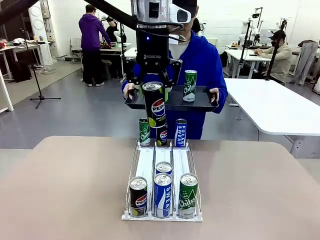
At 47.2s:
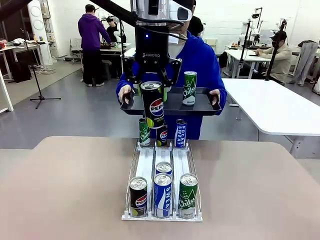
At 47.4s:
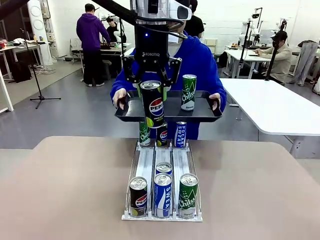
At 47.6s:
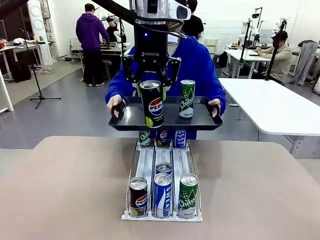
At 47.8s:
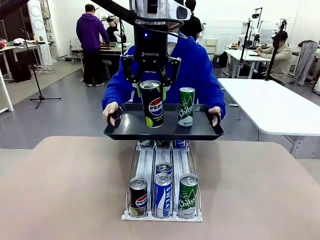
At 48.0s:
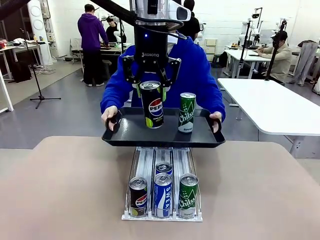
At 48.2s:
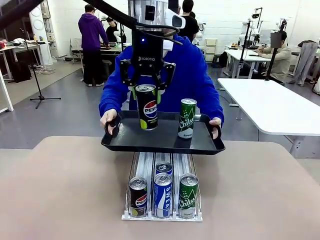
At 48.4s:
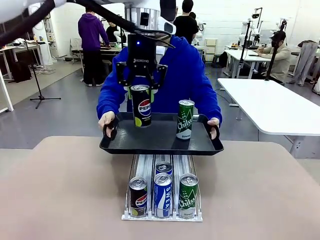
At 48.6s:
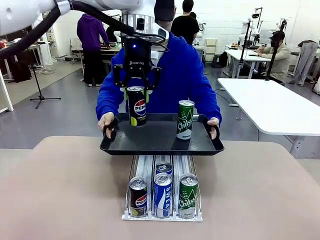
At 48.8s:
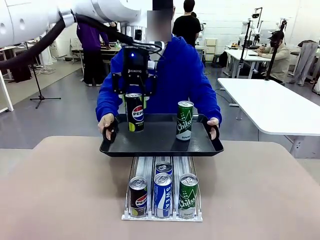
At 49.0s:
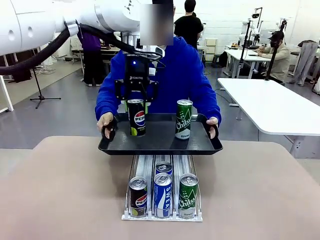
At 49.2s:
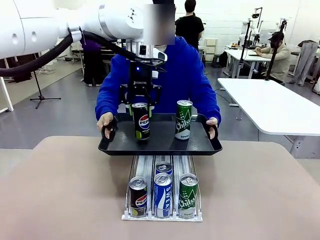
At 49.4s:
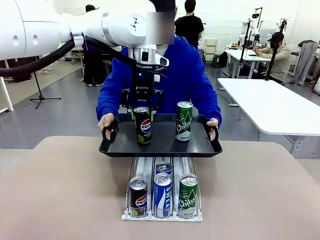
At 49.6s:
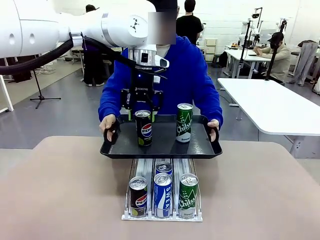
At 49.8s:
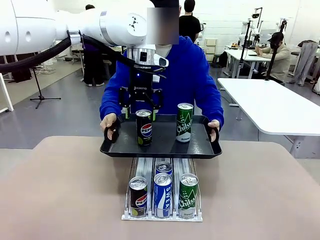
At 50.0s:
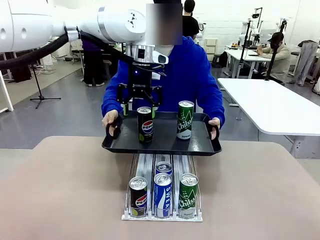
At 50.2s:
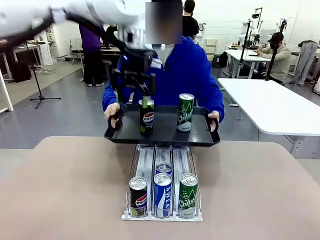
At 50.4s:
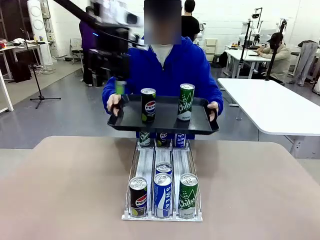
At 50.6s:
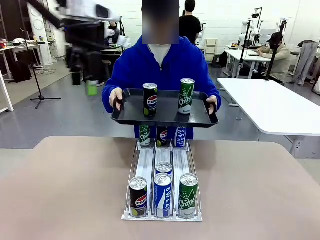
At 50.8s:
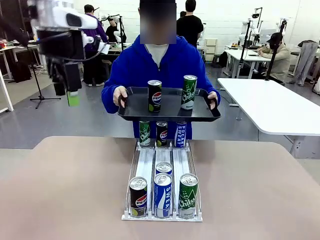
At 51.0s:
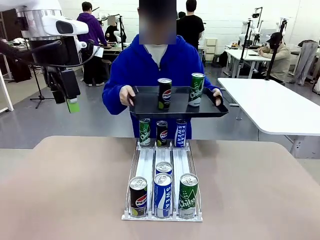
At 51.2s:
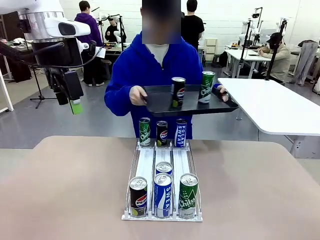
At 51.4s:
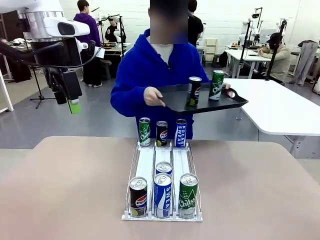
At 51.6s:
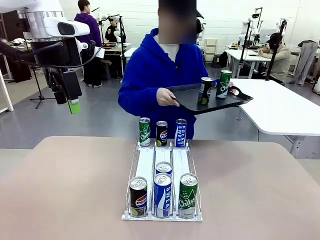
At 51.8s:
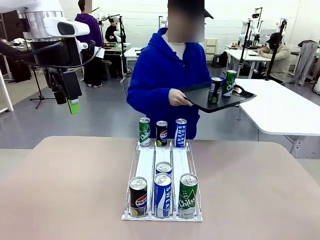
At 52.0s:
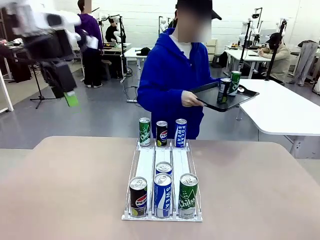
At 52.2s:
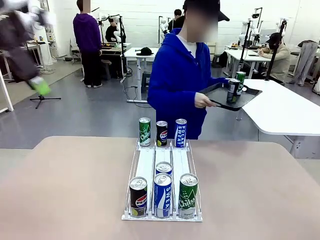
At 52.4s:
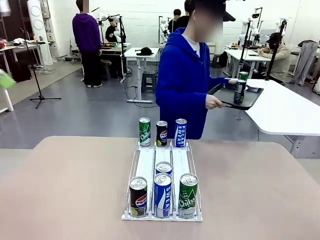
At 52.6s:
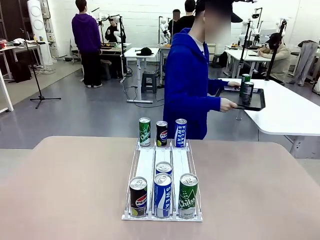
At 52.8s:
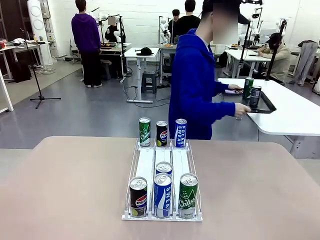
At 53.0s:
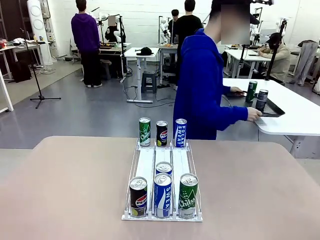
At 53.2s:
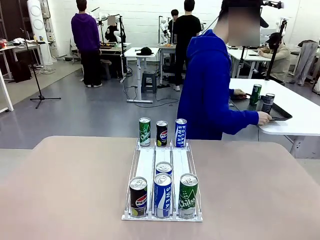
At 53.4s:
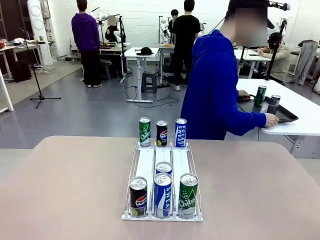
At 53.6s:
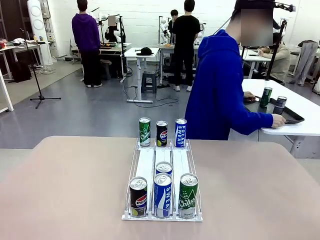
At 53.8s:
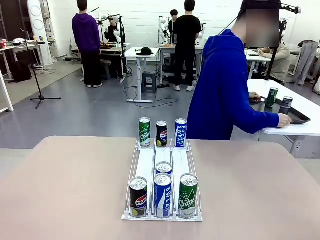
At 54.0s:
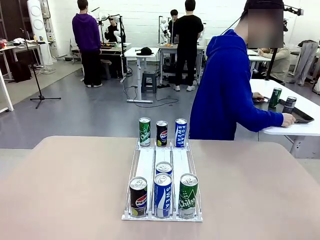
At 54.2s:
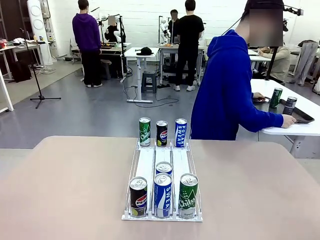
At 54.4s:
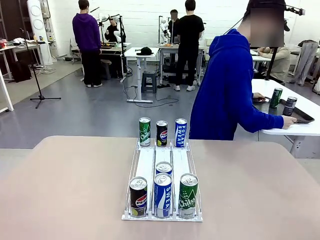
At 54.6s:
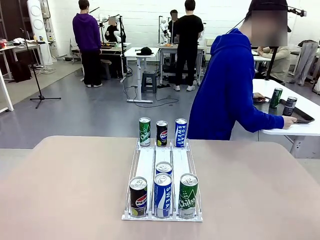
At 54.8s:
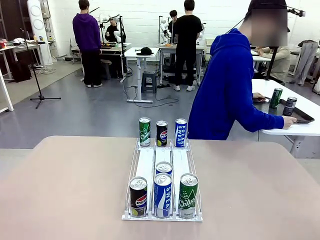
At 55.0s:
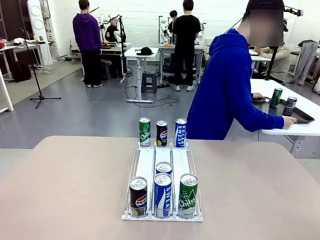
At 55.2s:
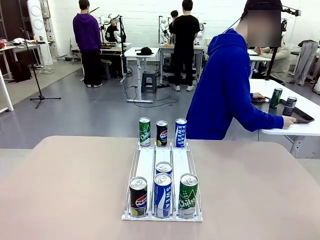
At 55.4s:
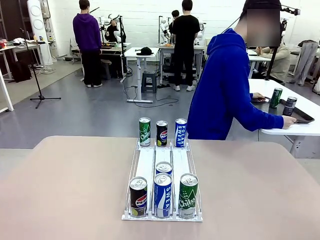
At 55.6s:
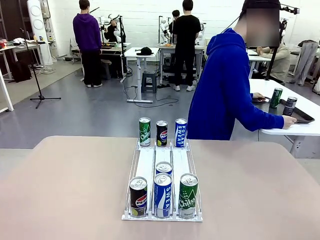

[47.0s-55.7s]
Task: Retrieve and hand over the desired beverage to the person.
Robot: Place the picked can on the Handle tray extended by the person.
Person: Pull the tray back and place it at the center of the human table.

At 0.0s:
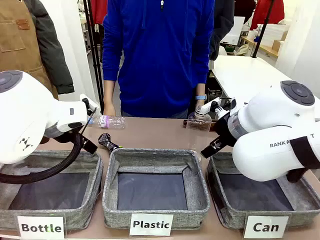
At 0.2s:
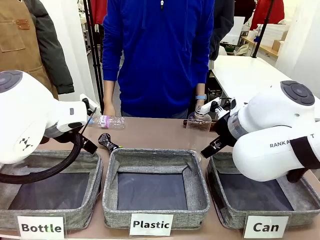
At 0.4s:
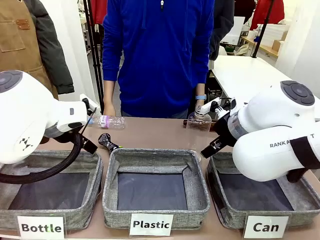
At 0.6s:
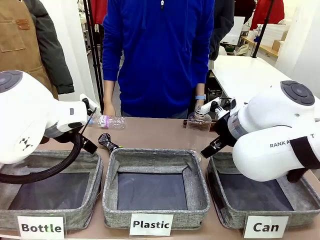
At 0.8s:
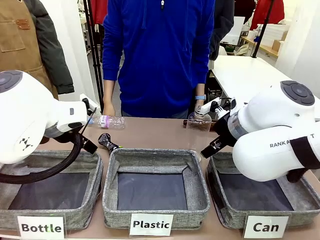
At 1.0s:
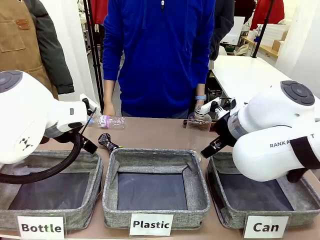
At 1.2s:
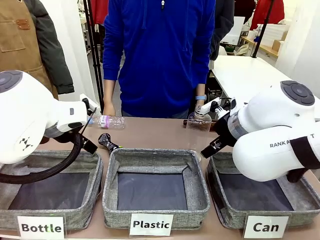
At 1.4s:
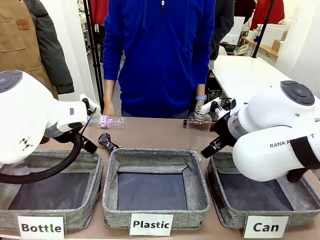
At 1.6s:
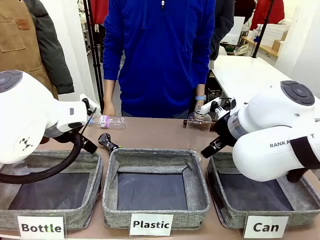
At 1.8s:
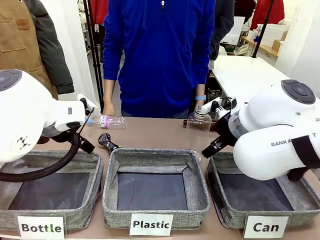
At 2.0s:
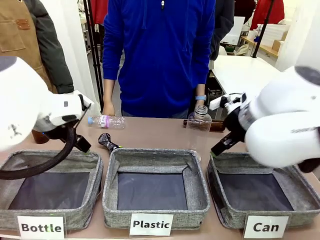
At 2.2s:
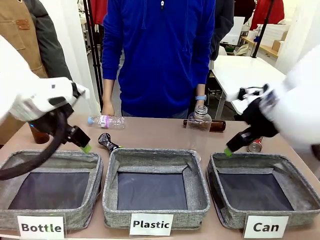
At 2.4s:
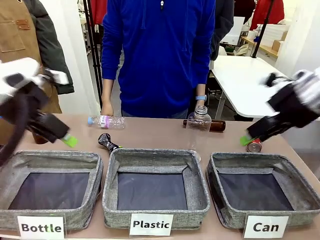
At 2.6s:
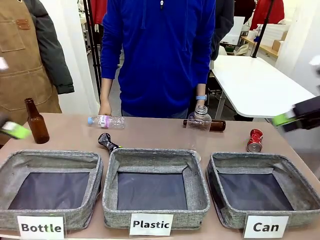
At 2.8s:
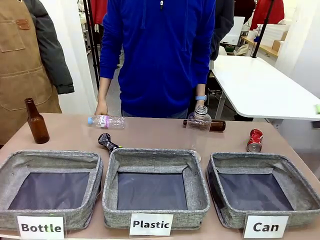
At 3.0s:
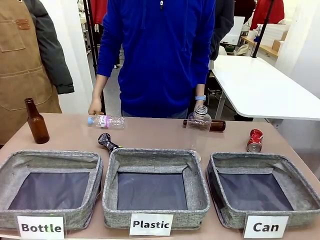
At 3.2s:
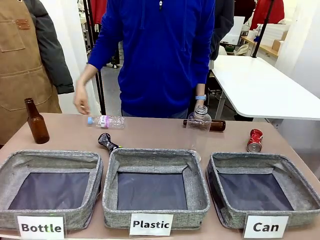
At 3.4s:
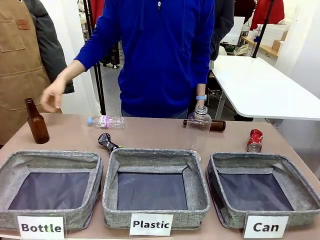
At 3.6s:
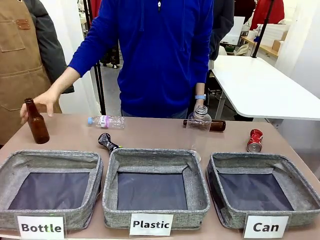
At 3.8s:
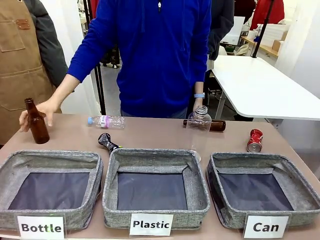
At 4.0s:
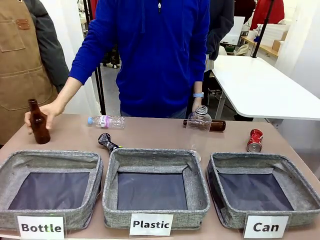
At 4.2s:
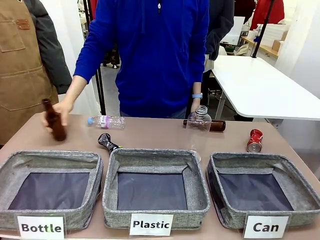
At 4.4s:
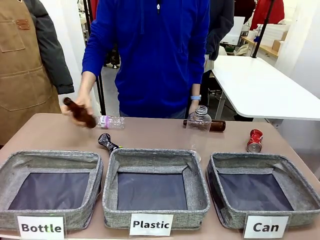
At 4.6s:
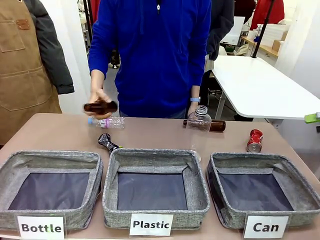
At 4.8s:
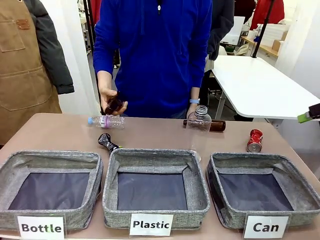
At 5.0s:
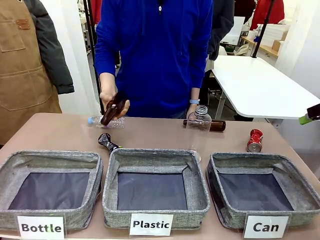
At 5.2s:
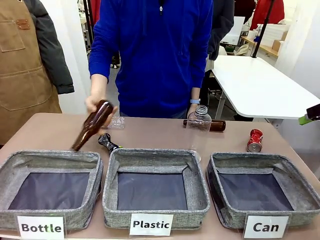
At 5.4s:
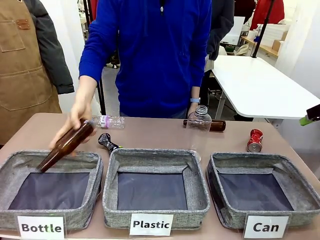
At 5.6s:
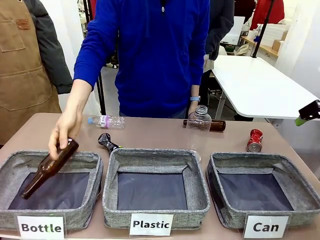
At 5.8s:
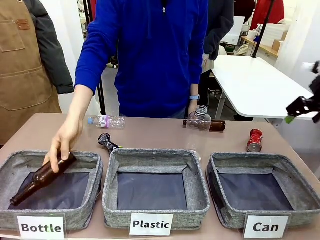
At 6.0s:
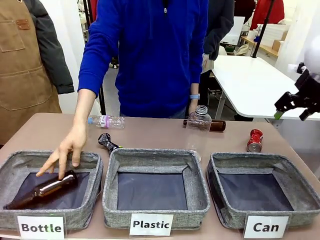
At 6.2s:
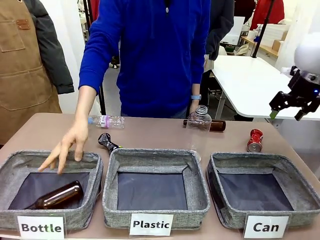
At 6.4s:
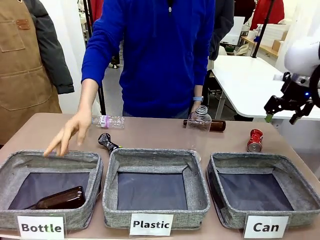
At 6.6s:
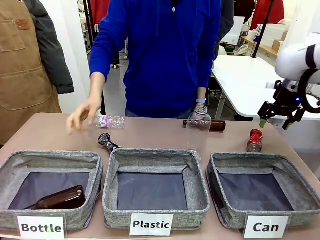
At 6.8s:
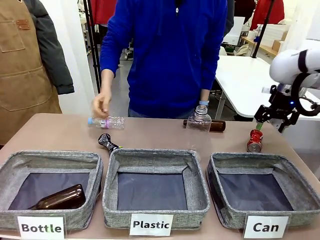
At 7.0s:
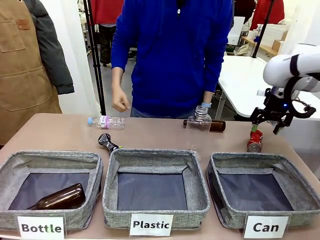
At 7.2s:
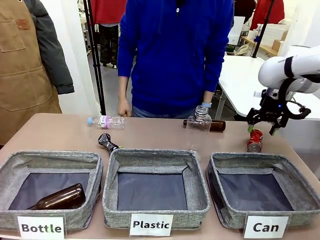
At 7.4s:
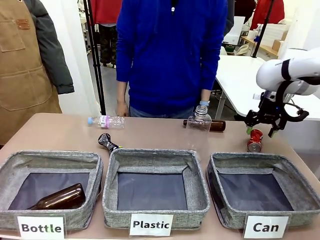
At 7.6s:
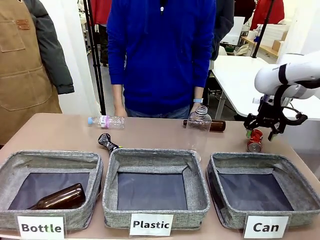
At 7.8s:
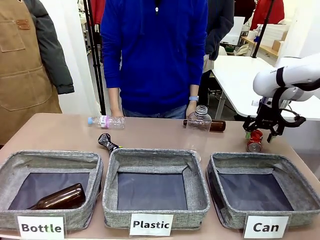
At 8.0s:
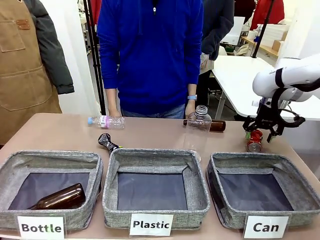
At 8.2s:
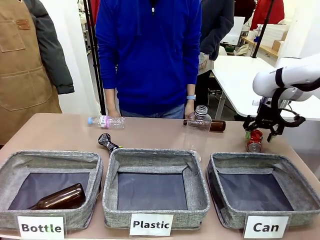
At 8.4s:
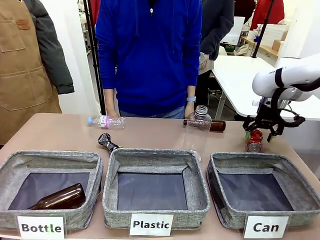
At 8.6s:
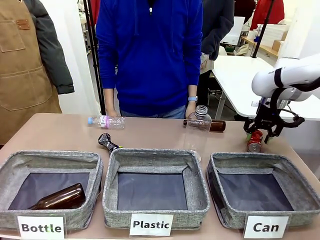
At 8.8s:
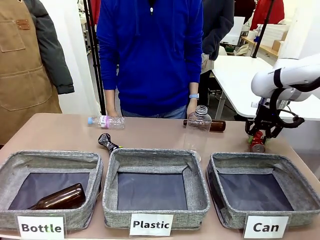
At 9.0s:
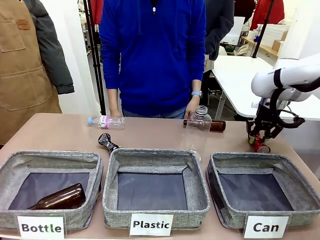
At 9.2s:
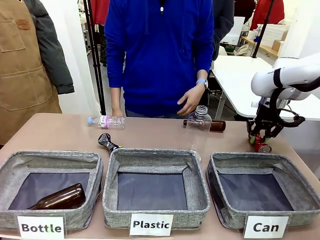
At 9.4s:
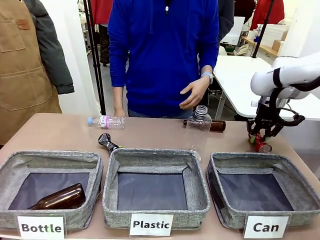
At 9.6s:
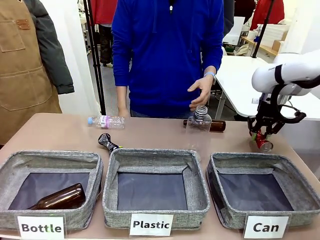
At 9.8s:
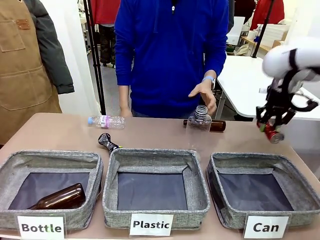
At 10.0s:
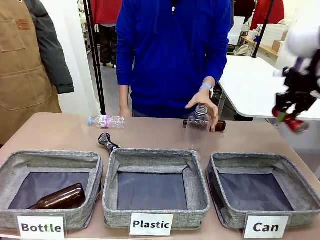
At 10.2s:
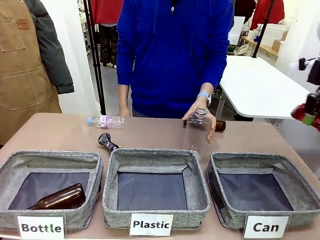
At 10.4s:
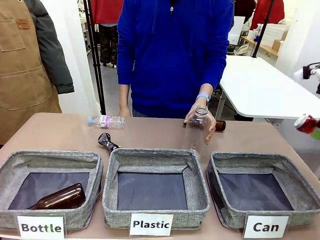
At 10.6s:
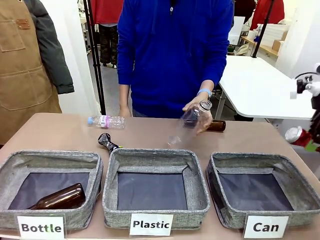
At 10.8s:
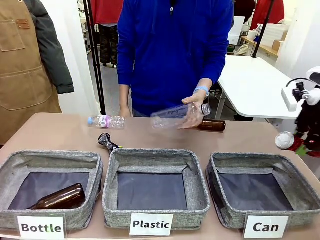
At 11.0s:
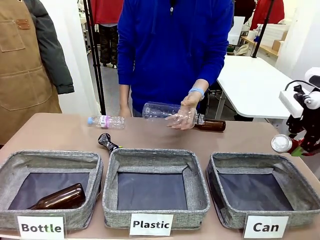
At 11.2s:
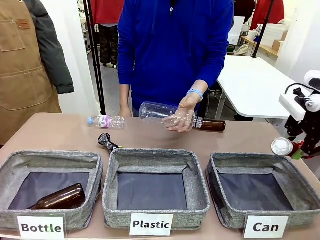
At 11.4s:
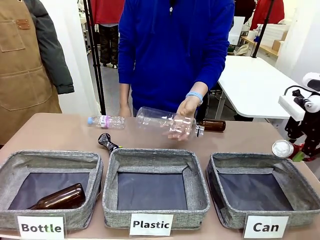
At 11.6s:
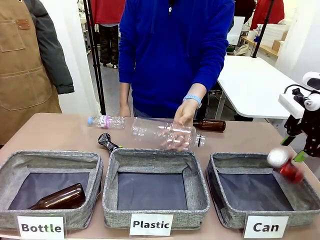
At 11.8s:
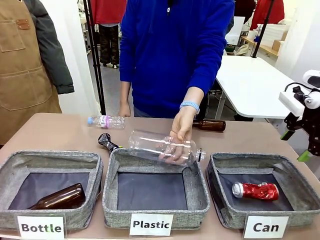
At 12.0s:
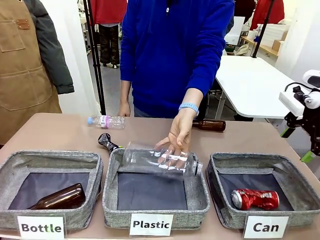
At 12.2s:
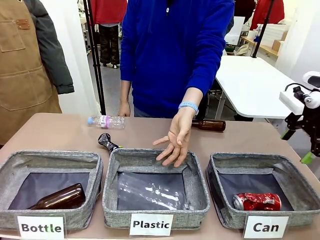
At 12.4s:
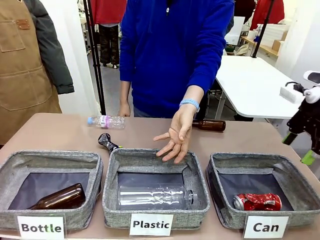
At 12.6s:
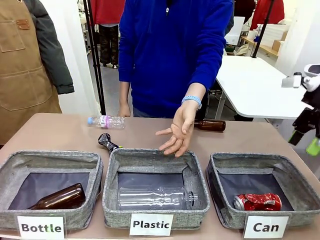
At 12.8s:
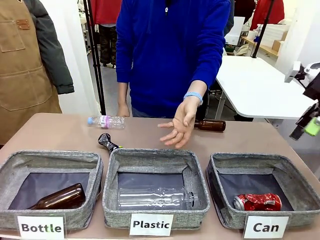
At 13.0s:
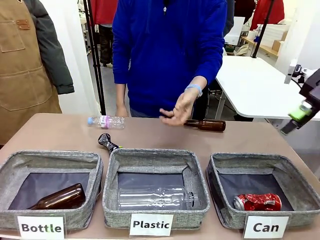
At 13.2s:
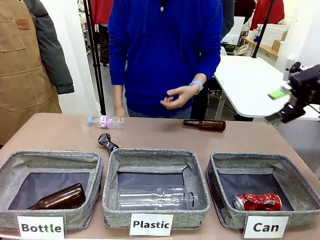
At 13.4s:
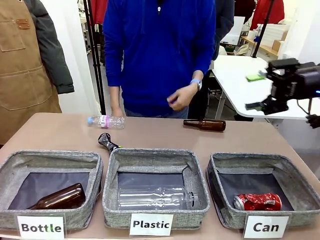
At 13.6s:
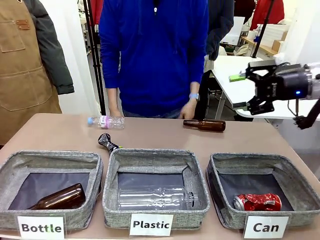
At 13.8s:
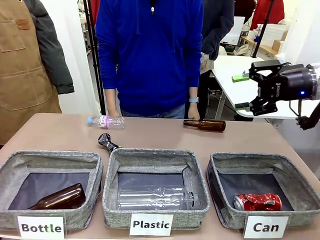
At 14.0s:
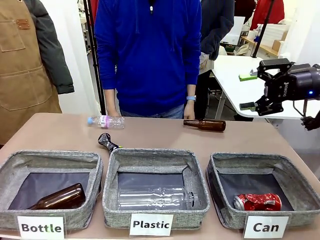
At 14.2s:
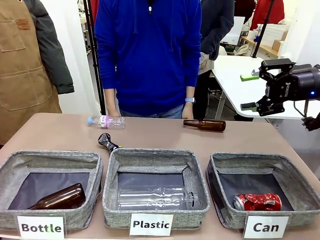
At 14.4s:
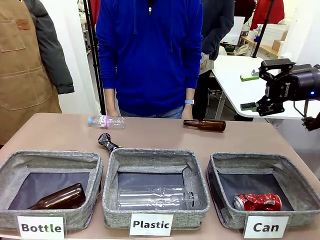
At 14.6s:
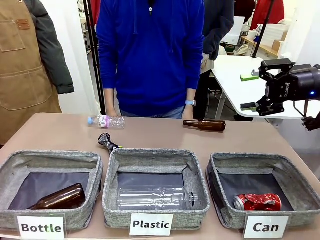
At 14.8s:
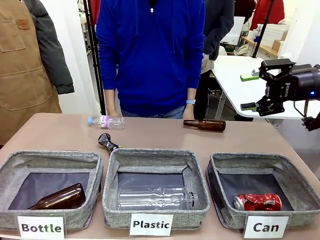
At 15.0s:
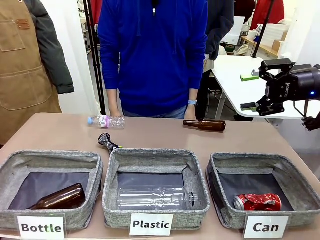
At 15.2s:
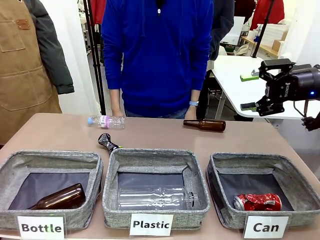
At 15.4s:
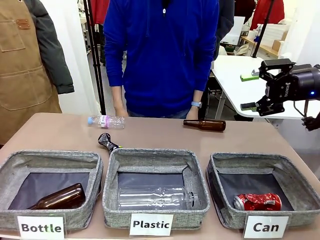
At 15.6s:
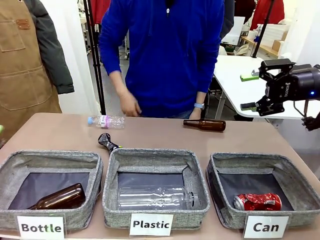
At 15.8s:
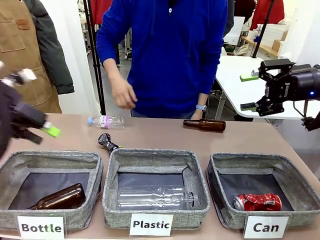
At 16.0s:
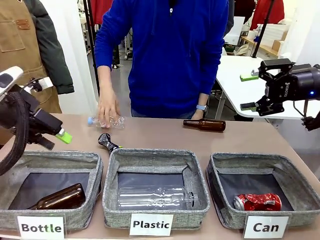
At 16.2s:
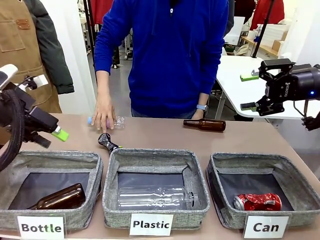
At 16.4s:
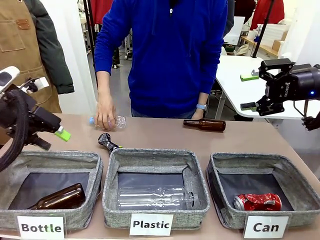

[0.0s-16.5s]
Task: Sort the can waste into the basket.
Robot: Pick up the can waste from the table and place it in the right Fabric basket.
